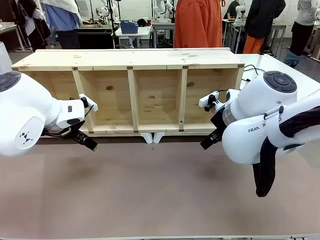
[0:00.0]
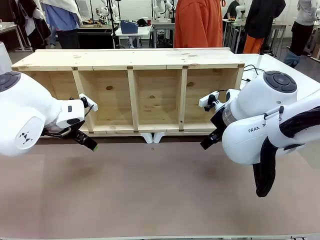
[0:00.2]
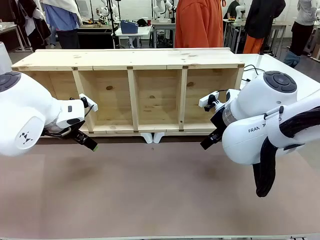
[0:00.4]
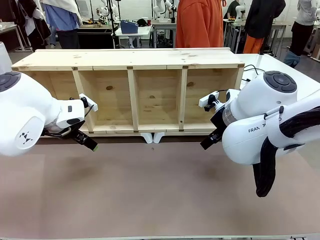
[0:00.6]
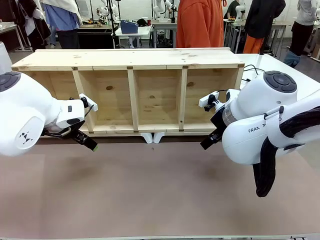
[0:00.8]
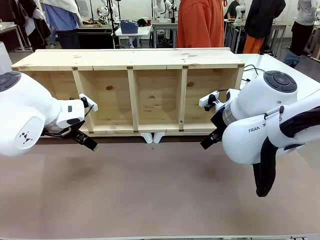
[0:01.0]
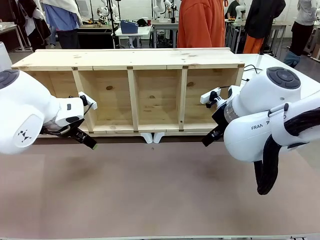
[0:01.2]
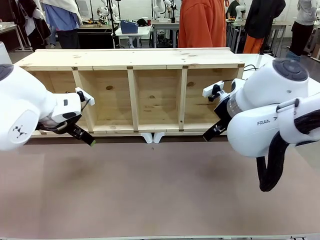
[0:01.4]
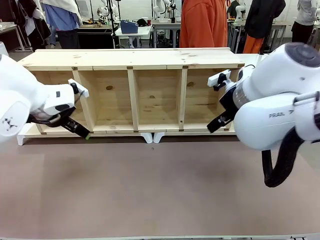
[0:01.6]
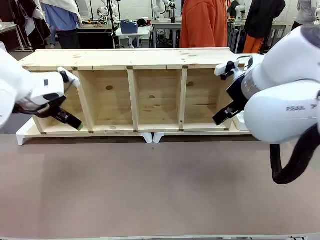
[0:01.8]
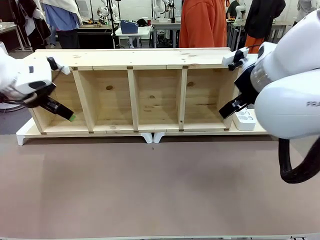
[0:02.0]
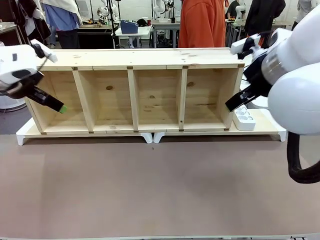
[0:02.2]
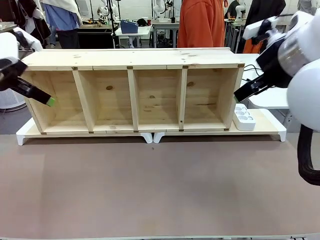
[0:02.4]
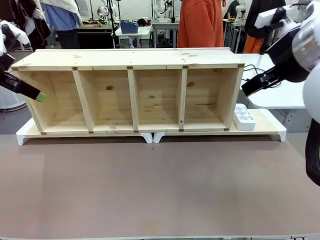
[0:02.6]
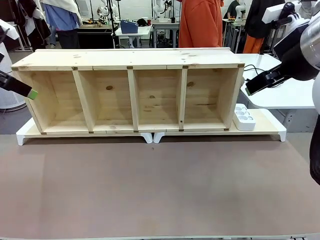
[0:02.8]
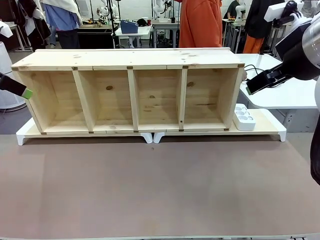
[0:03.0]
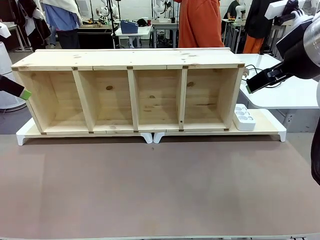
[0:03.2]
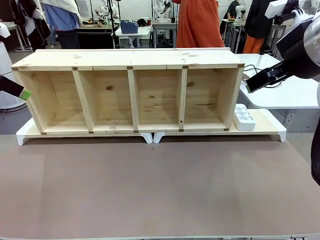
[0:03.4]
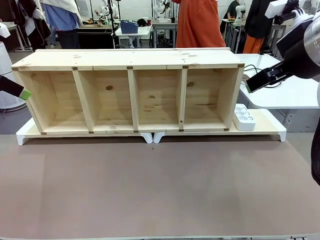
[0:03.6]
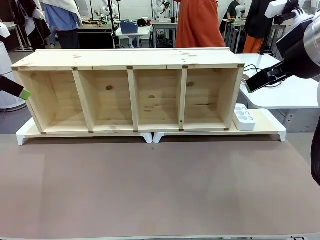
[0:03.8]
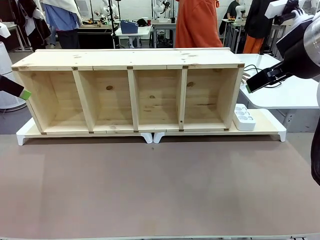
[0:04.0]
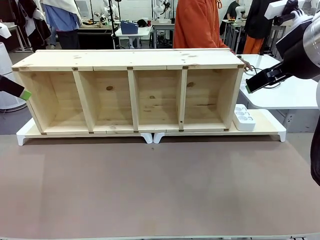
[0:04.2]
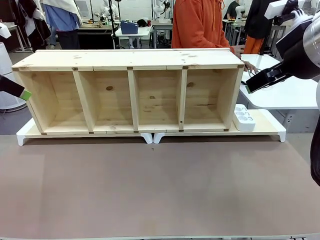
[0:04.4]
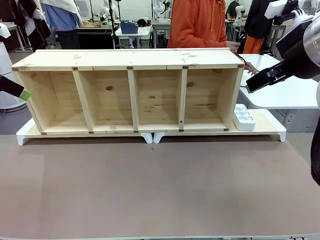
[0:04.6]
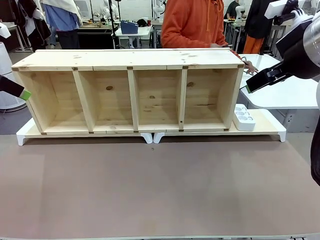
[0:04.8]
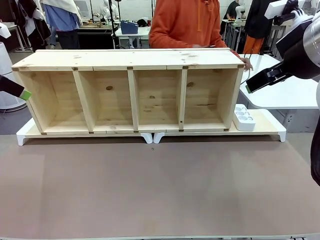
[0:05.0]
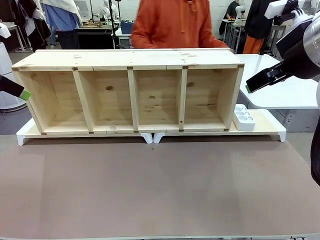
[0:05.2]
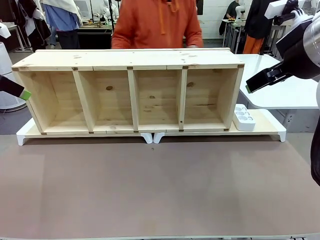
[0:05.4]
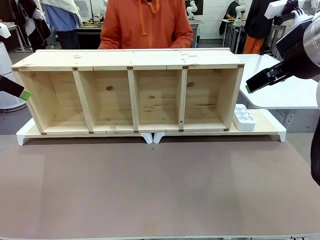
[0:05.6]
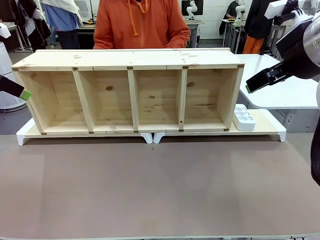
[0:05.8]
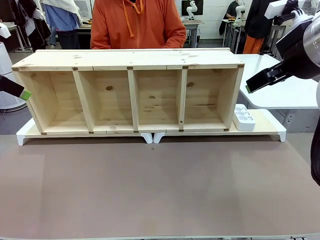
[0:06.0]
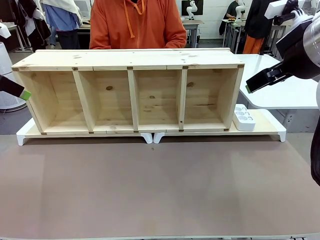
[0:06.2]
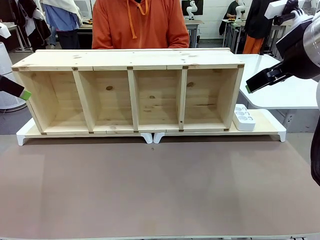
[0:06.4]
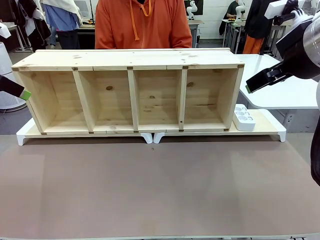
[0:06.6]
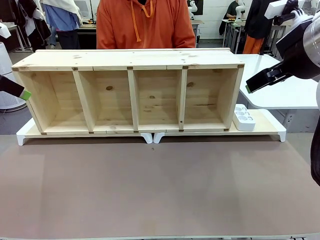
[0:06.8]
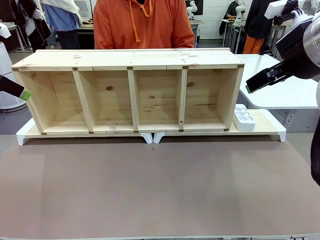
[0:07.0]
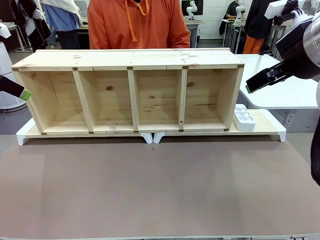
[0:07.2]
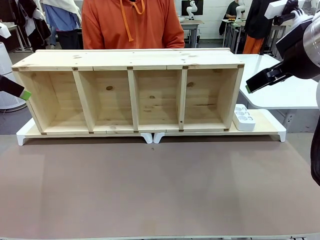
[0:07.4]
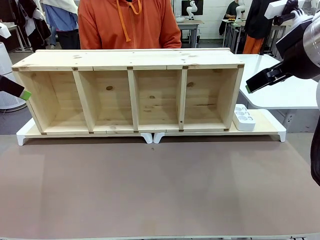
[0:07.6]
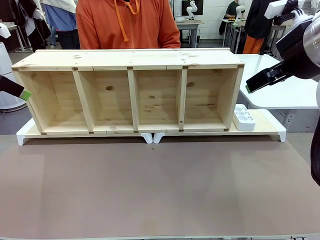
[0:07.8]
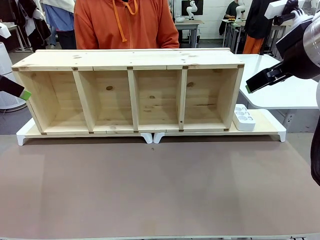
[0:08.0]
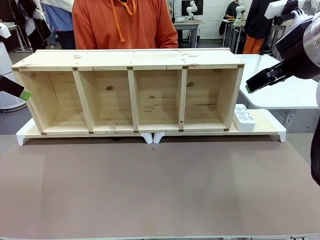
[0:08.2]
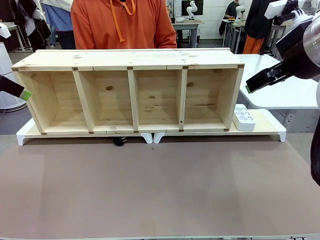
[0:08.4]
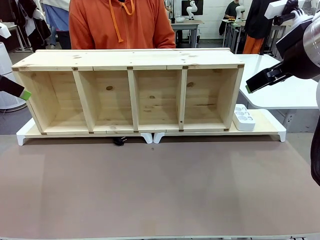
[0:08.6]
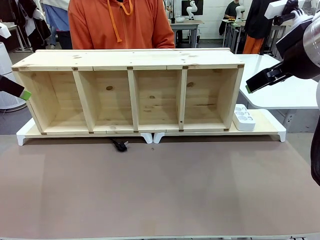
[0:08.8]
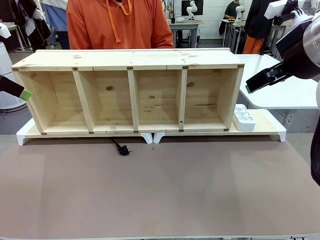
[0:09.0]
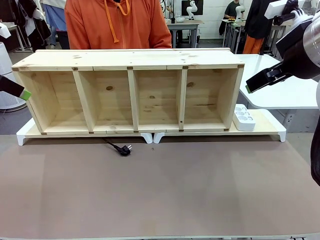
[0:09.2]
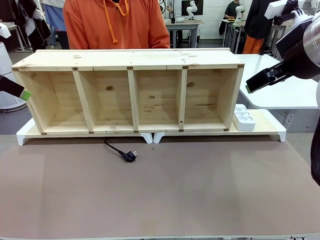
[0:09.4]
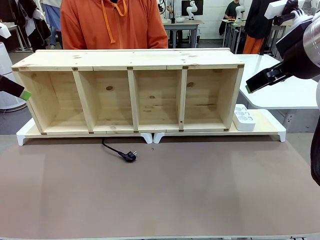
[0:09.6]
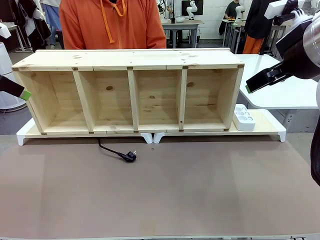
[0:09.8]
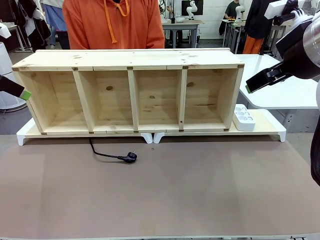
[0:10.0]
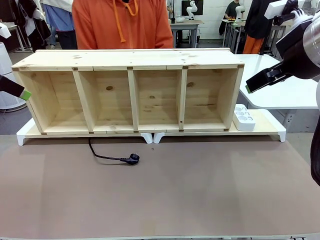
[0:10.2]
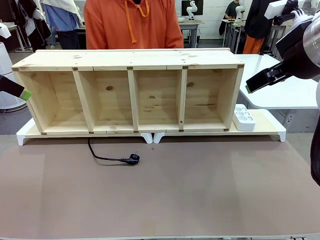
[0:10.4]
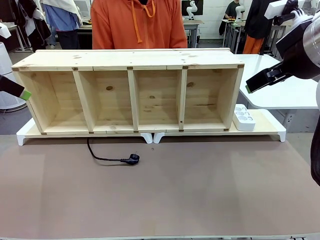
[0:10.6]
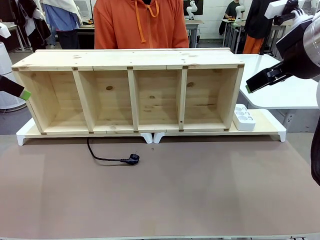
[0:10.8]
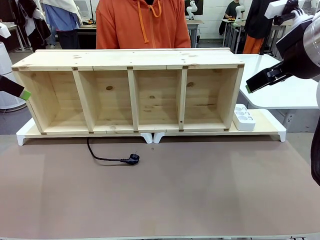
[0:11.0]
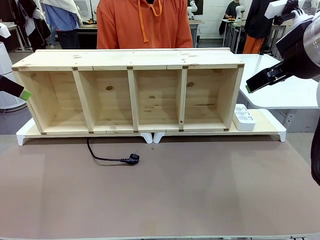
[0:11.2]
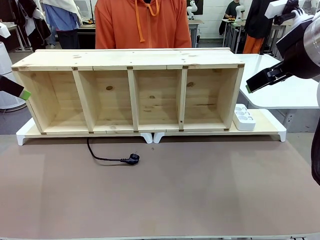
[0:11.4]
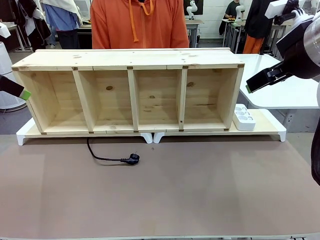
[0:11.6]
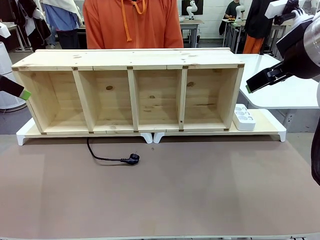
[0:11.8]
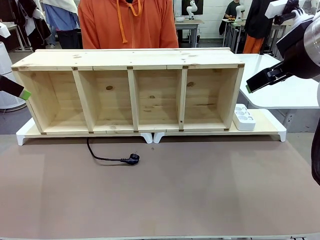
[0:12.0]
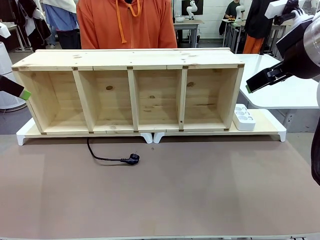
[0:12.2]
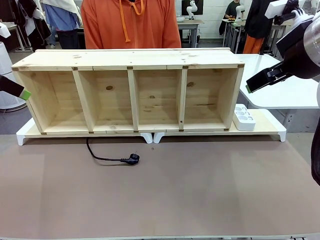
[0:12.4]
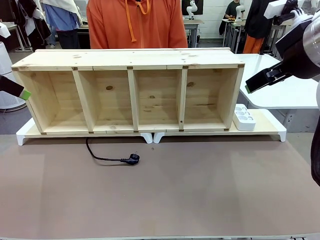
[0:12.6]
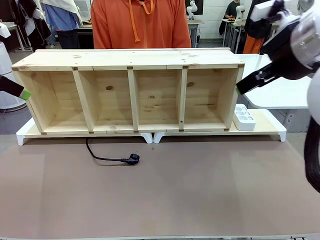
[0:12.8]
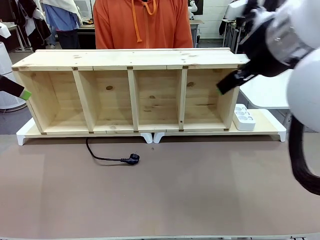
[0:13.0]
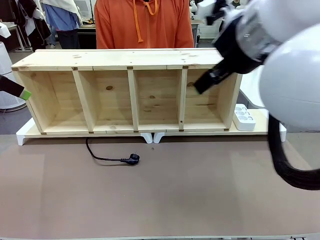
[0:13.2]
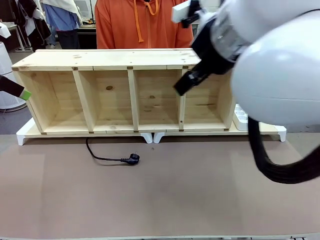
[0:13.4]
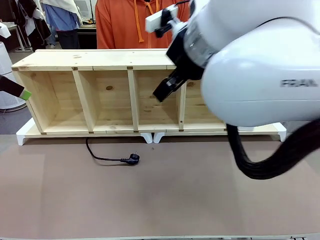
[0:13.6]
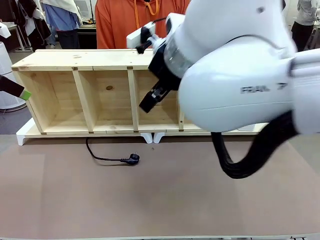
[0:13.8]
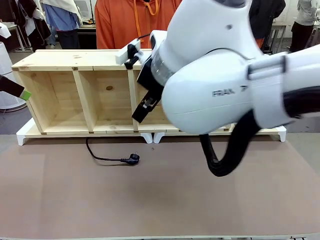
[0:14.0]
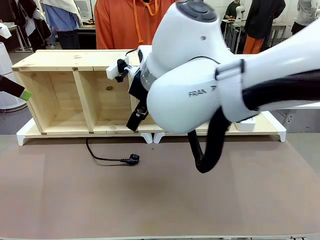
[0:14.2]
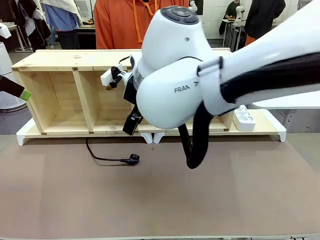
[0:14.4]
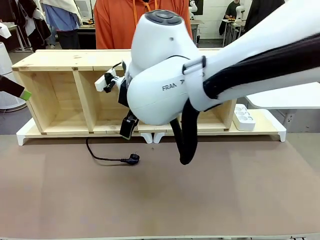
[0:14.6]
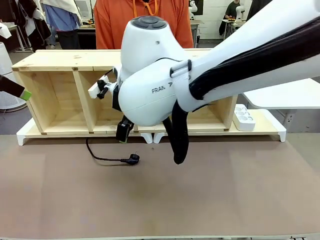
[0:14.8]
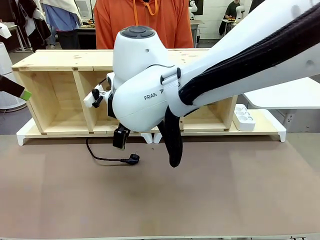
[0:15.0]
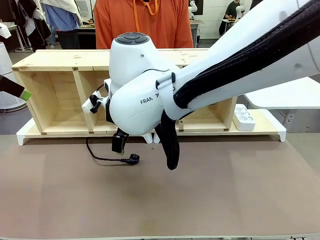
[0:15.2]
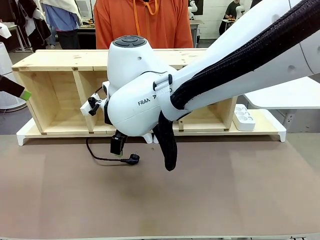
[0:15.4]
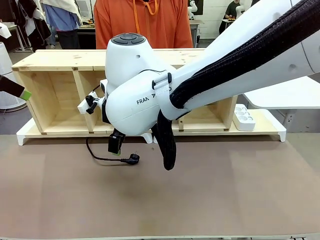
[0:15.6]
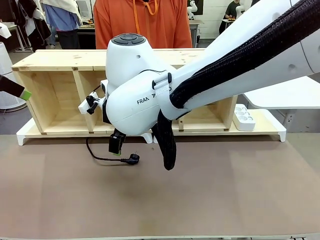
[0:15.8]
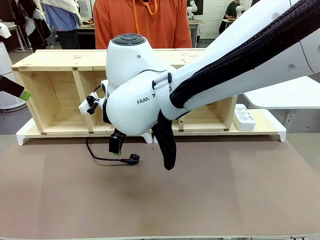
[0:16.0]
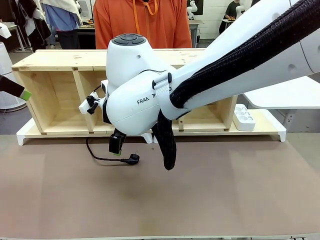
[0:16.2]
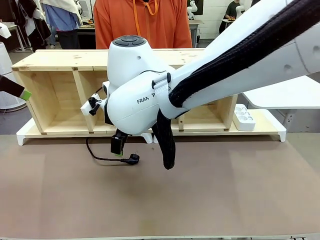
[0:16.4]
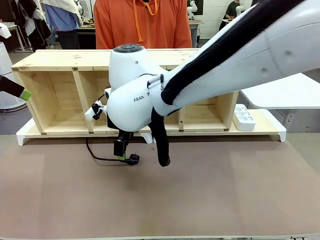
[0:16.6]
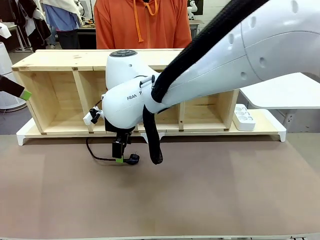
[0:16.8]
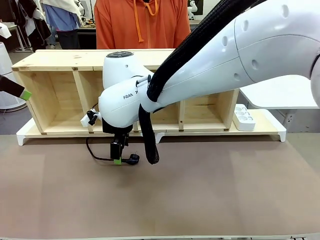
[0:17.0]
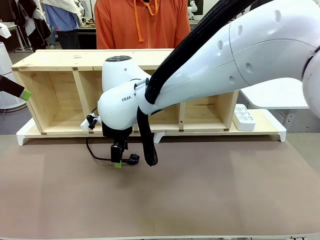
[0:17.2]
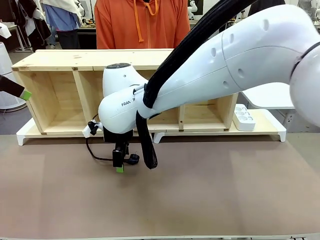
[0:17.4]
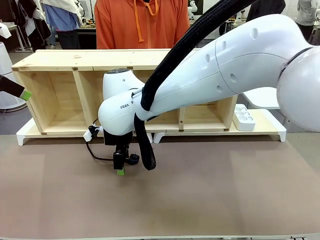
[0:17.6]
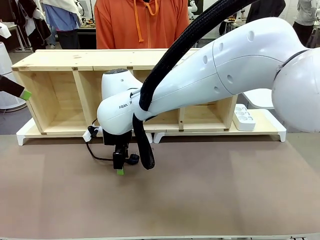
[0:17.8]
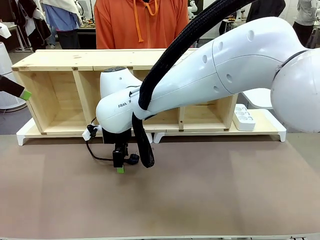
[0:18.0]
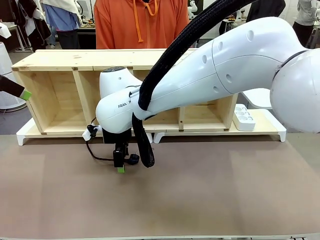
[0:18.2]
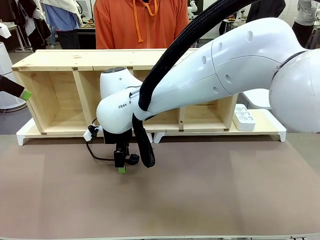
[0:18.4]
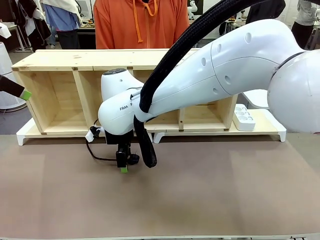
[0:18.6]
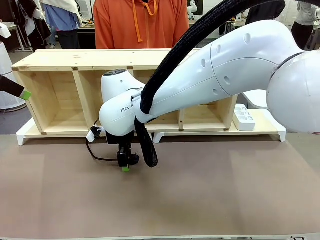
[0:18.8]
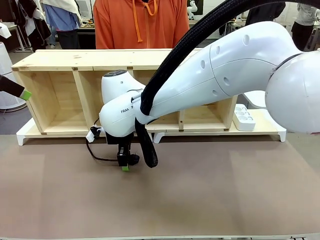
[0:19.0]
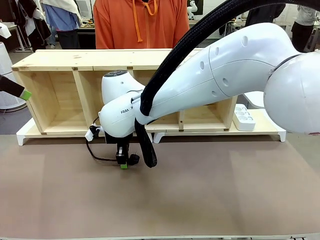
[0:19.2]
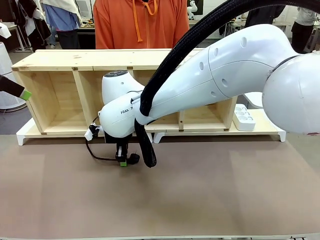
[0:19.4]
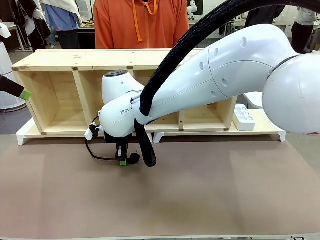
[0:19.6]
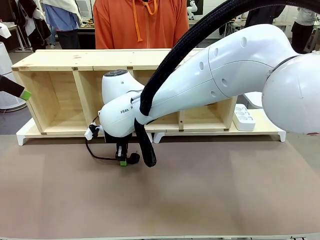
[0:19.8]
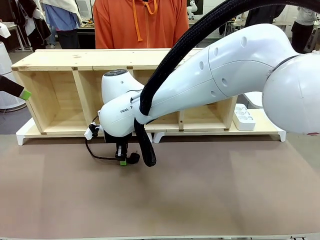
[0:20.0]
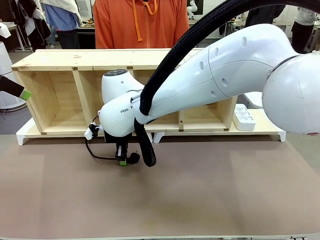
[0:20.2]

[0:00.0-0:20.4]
Task: Perform cable management.
Robot: When the cord part of the Power Cable appears at the lower middle area of the table and stops, grasp the cord part of the Power Cable.
Person: Pass the Power Cable under the Serving Table.
